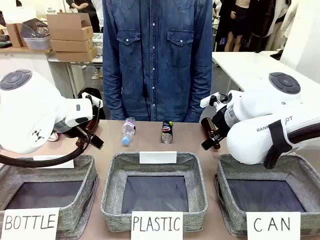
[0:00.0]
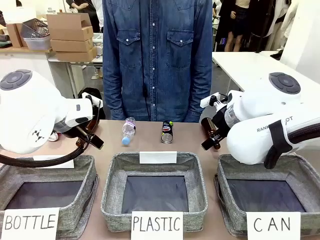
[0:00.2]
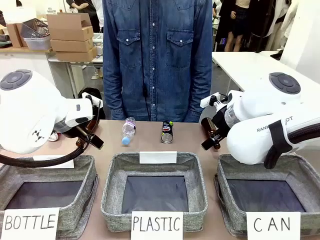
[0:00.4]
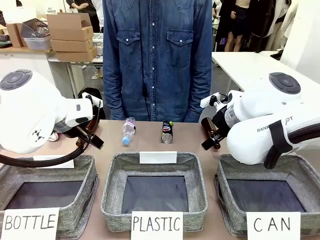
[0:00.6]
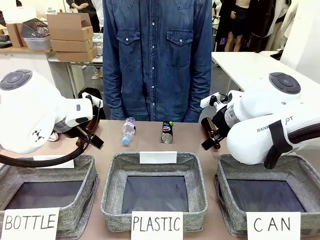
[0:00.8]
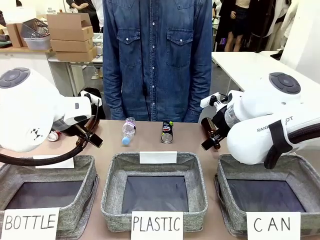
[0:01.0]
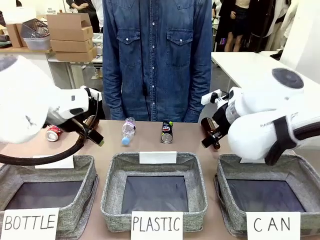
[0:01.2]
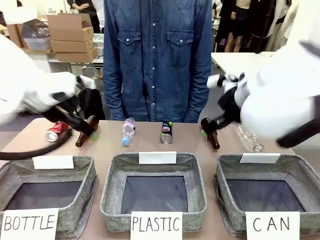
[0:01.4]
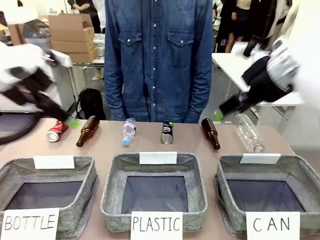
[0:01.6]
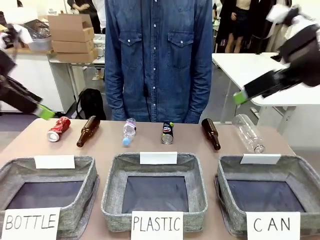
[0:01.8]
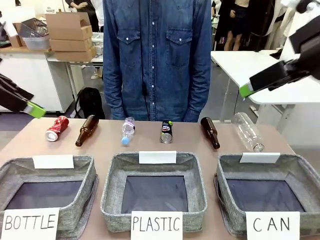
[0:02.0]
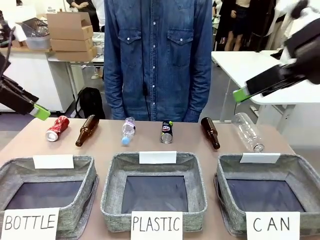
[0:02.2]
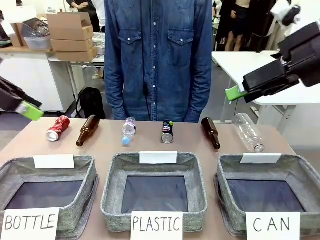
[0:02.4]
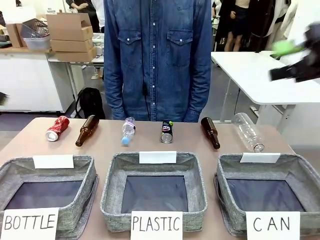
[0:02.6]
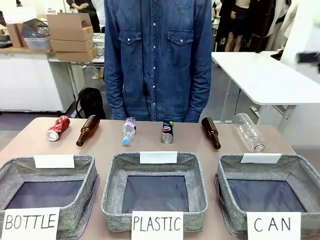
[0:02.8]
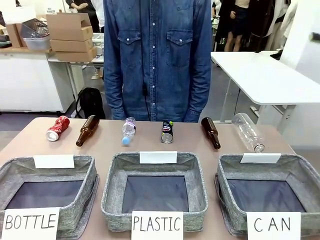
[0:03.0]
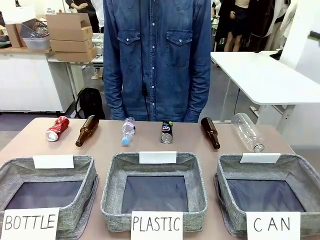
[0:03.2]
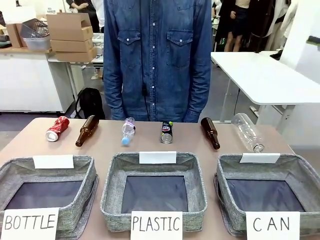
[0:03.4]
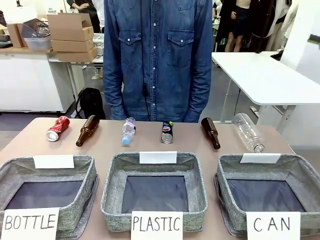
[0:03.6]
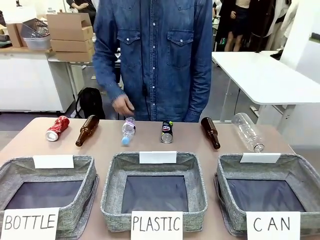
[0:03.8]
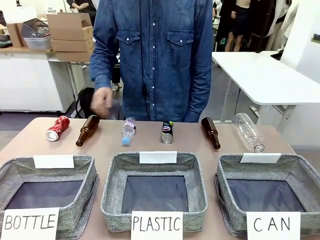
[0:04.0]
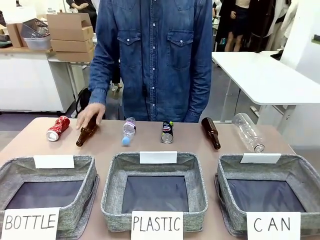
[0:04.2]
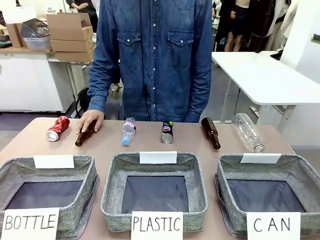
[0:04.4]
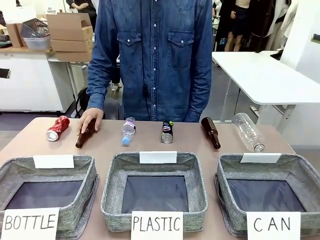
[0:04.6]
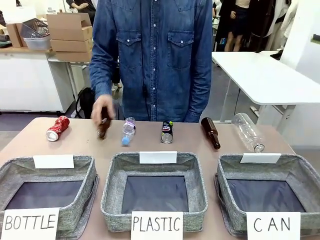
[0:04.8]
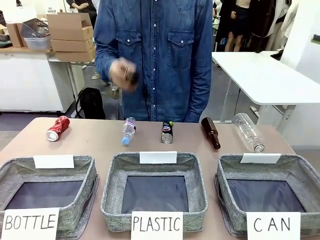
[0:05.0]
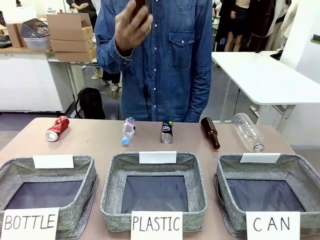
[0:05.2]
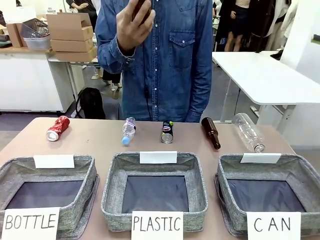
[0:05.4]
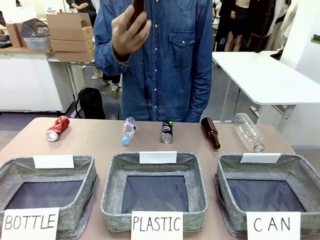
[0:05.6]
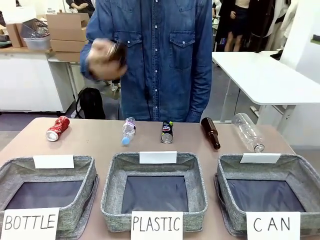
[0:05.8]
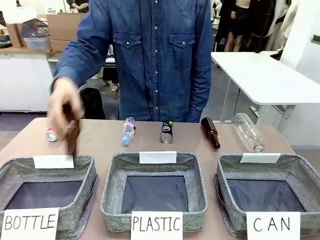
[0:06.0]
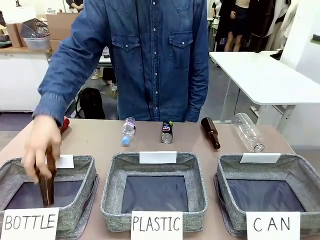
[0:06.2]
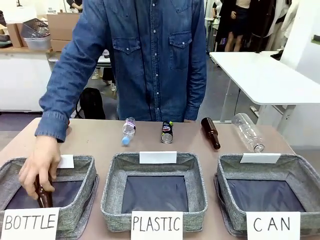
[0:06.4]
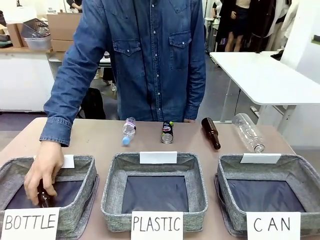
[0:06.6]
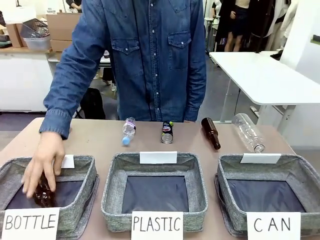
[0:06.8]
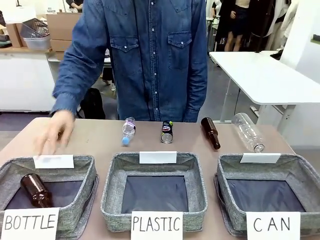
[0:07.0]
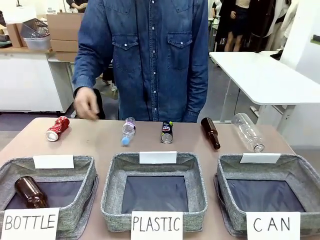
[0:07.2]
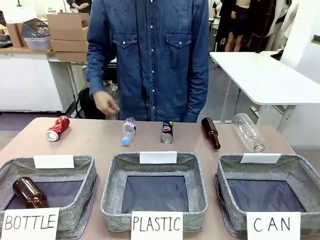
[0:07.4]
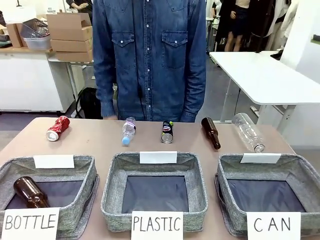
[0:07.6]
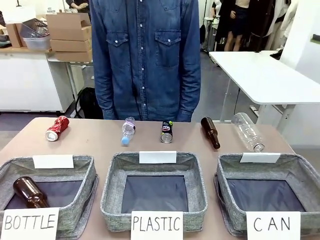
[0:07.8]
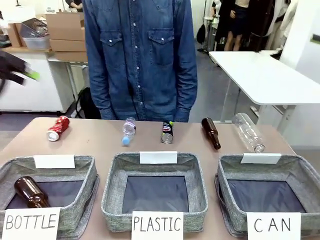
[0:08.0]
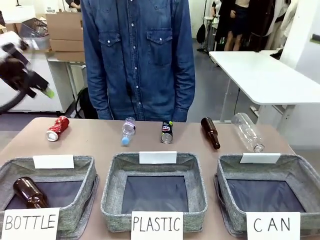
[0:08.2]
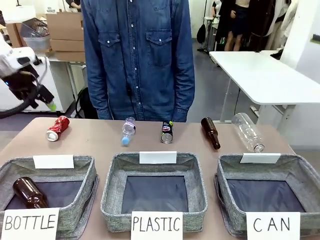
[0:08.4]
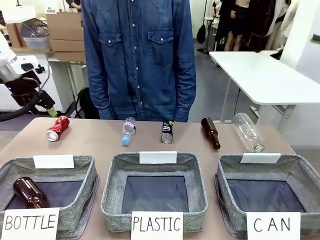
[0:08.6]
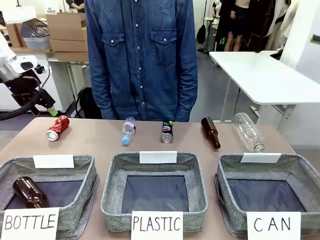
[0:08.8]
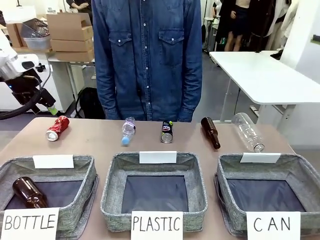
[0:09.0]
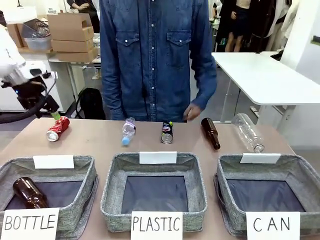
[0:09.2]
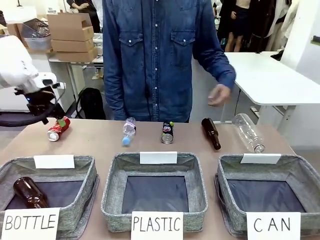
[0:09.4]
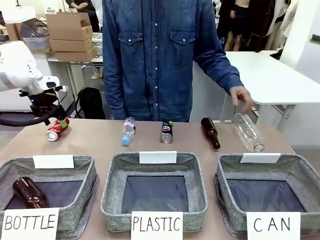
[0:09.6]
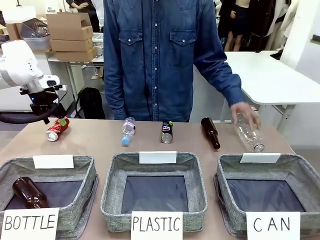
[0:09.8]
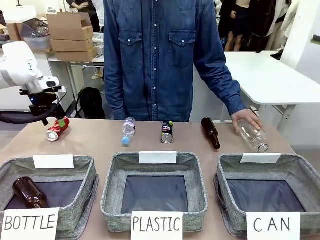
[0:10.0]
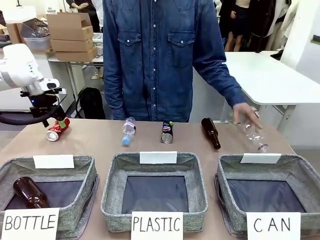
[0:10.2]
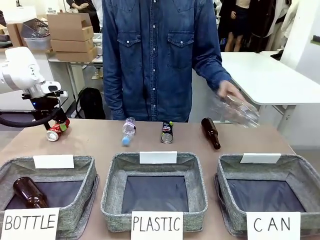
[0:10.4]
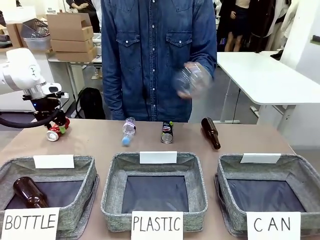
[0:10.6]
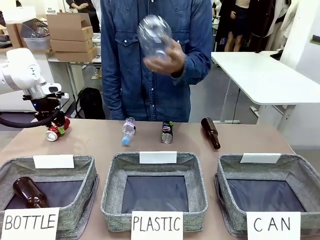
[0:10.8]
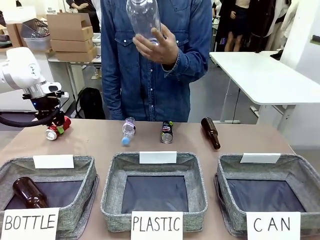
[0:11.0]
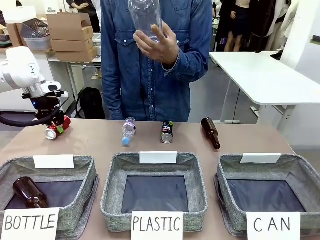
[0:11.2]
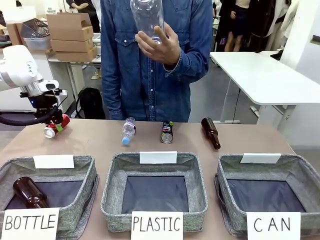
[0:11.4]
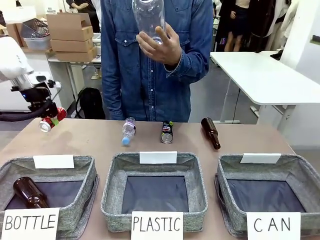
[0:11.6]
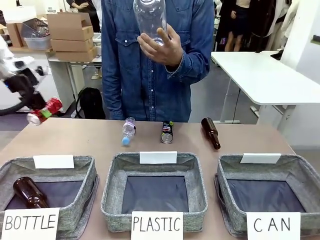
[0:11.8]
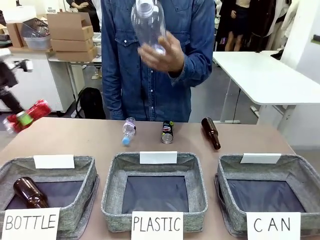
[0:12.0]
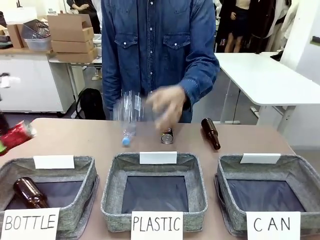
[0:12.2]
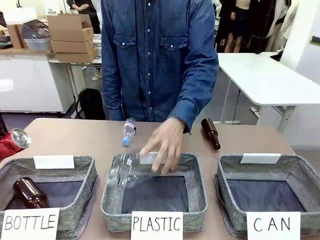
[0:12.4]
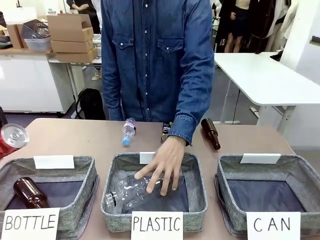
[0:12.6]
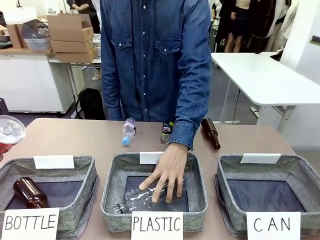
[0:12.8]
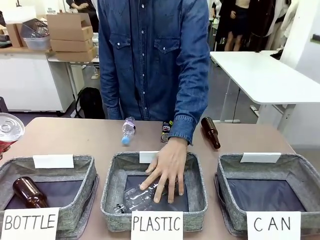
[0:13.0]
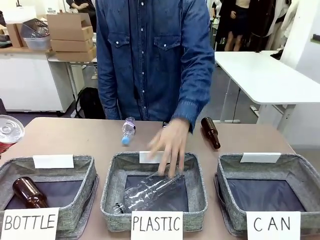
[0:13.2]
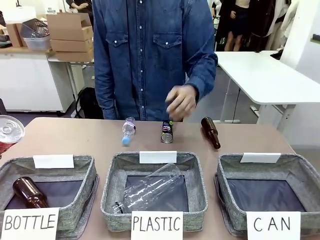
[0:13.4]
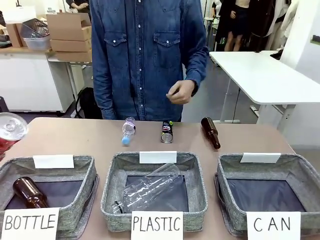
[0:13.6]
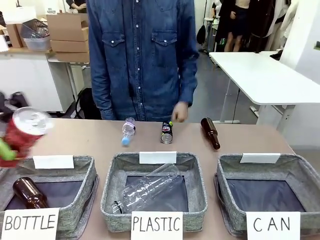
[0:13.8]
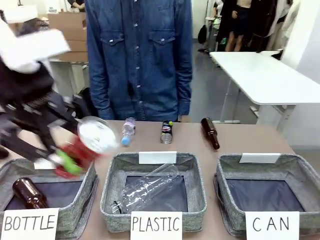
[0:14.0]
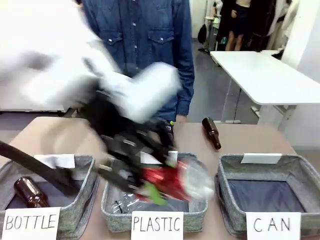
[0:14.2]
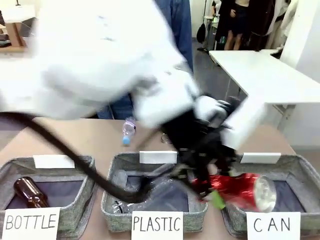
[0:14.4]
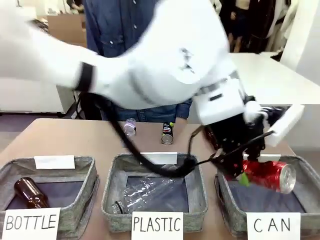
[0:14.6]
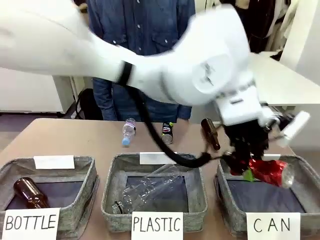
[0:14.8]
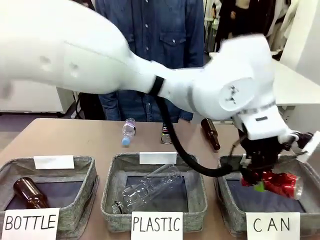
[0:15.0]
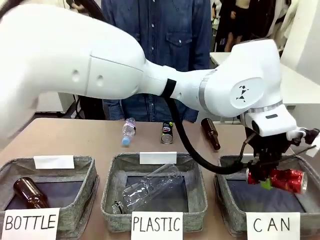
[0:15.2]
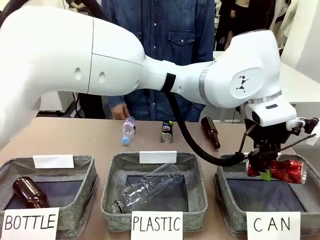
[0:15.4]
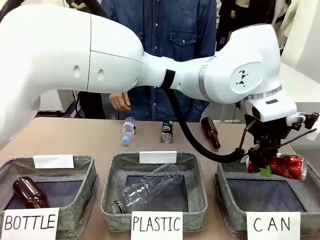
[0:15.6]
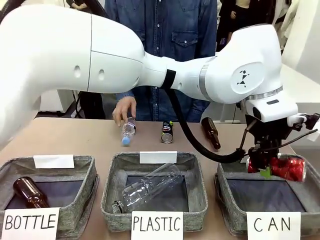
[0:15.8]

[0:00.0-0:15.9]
Task: Sort the can waste into the basket.
Robot: Pick up the can waste from the table and place it in the right Fabric basket.
